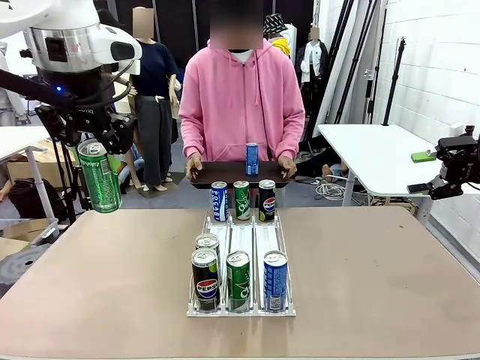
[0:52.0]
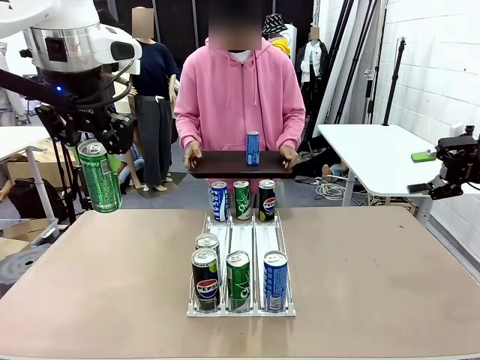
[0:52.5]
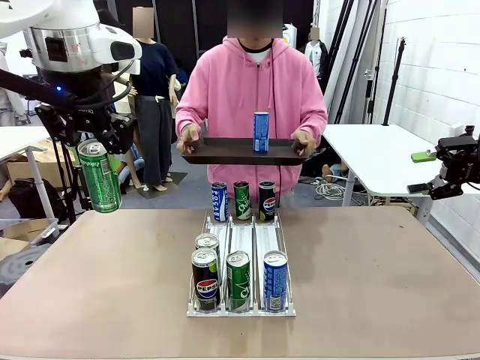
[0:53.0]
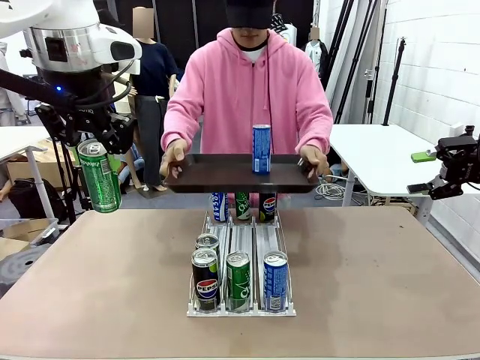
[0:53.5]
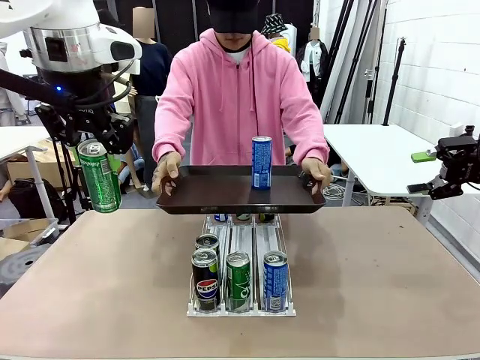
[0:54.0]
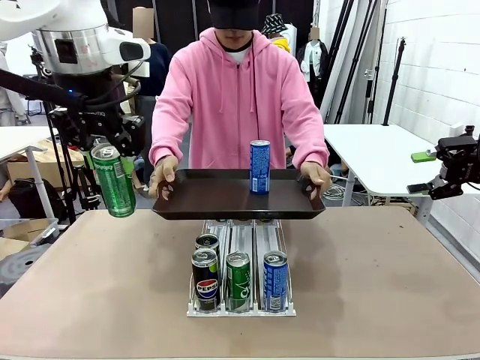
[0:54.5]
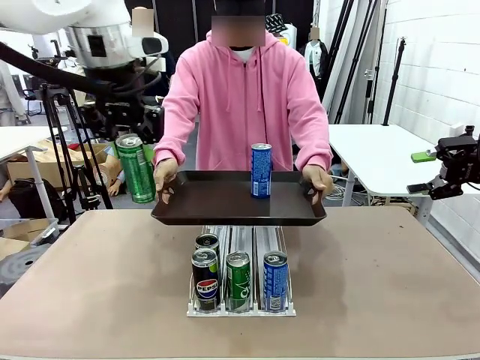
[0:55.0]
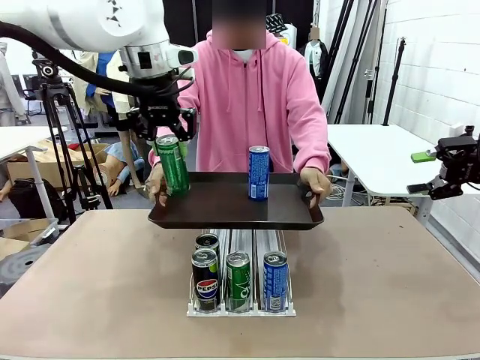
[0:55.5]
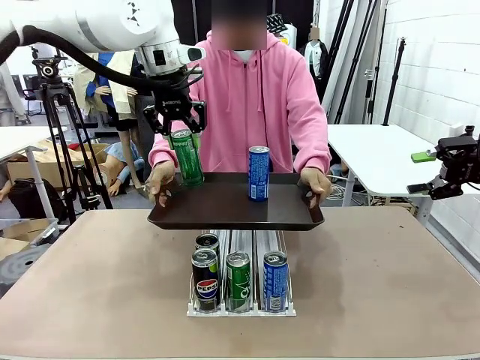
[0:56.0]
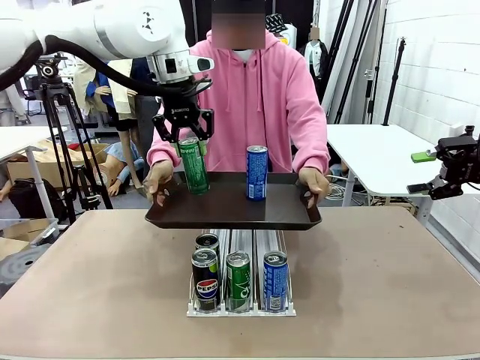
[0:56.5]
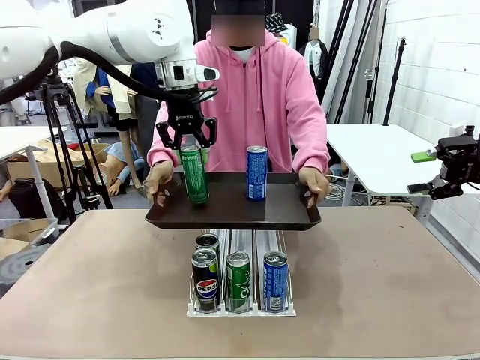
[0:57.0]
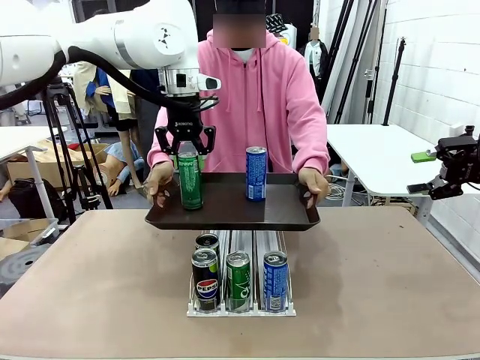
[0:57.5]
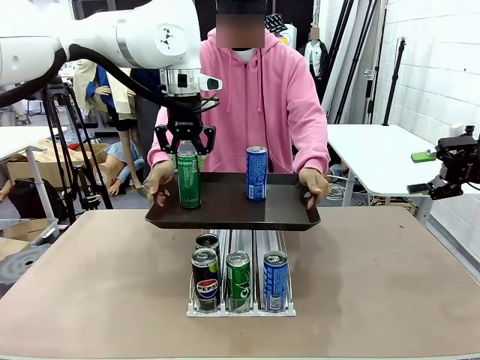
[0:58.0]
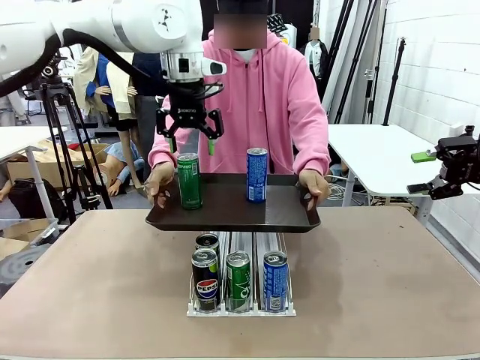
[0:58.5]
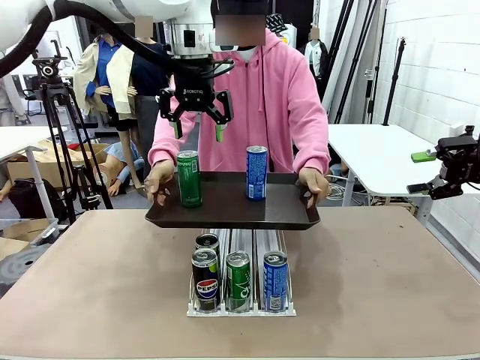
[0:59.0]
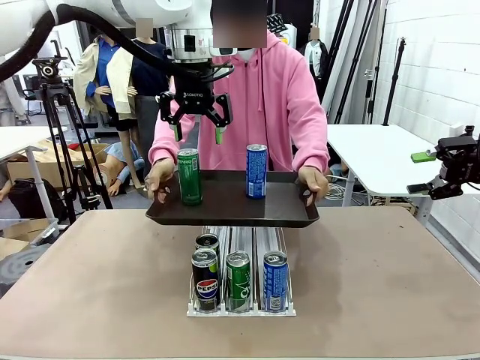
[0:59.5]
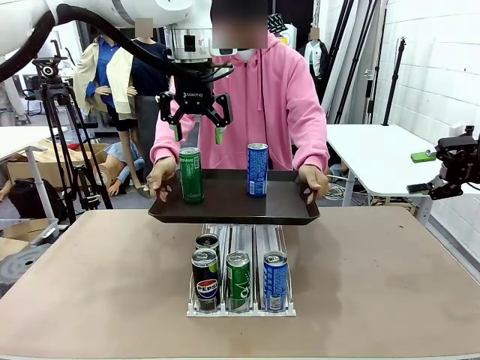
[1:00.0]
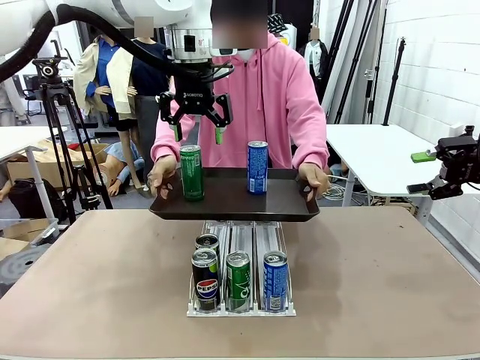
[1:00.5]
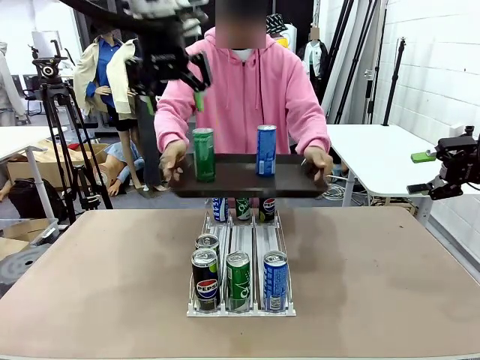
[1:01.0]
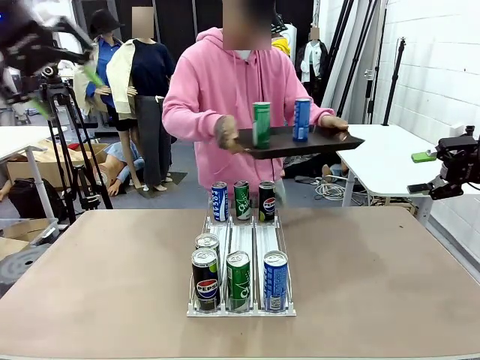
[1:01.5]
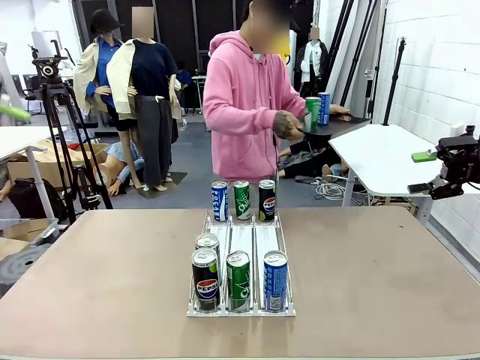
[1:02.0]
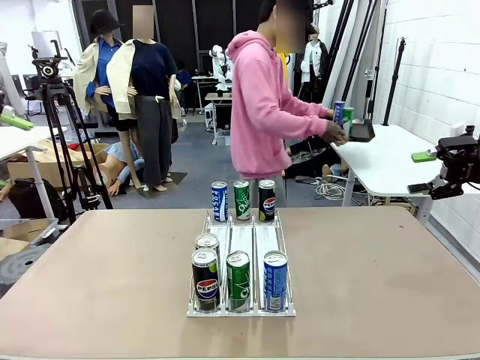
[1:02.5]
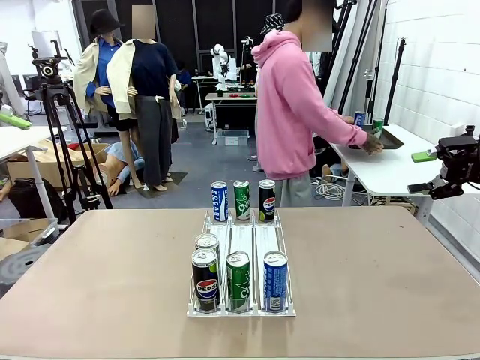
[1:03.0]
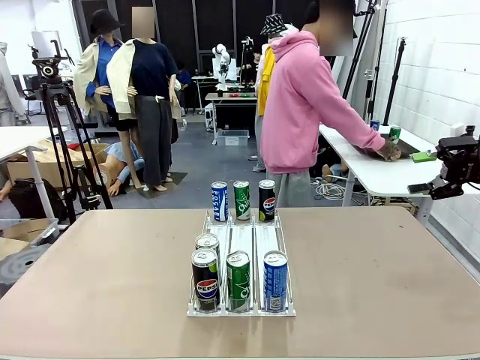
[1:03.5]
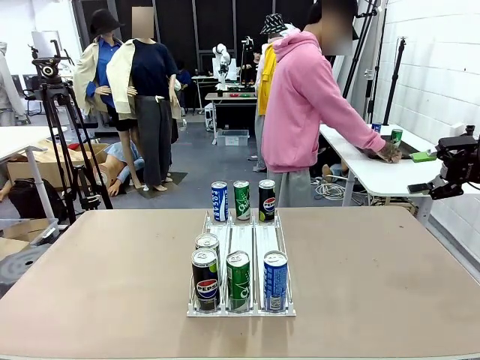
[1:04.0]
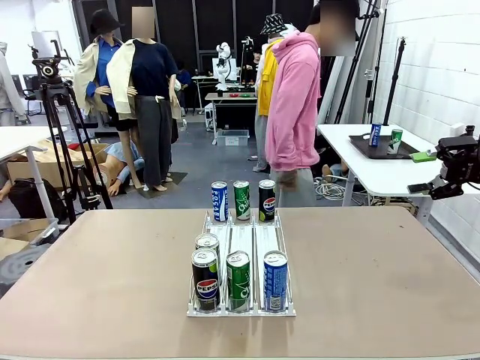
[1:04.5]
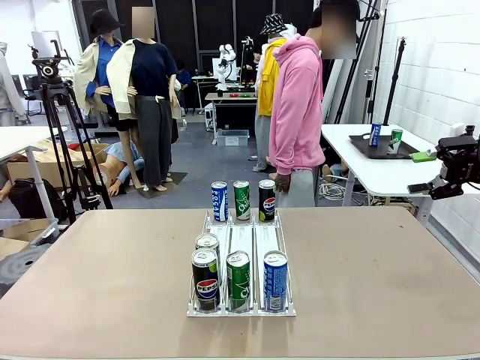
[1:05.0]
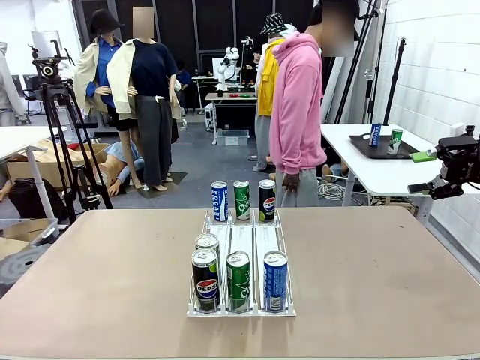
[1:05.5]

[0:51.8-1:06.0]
Task: Retrieve and hand over the desired beverage to the person.
Robot: Place the picked can on the Handle tray extended by the person.
Person: Pull the tray back and place it at the center of the human table.

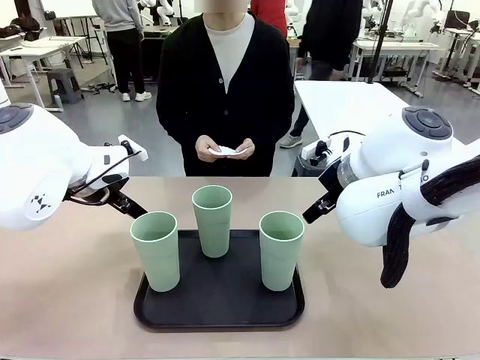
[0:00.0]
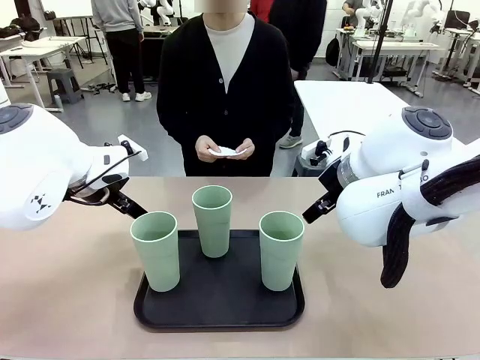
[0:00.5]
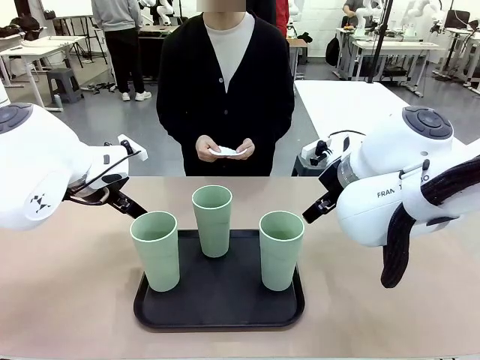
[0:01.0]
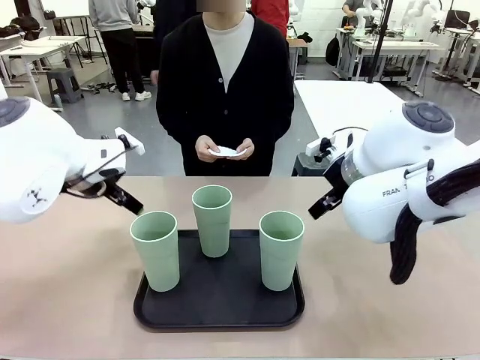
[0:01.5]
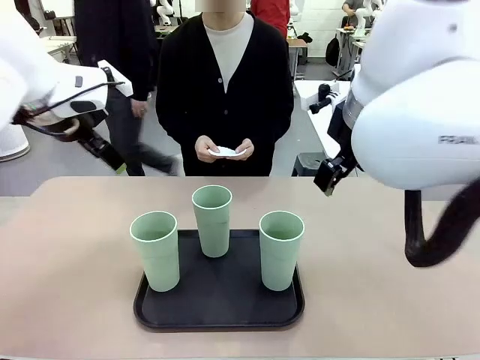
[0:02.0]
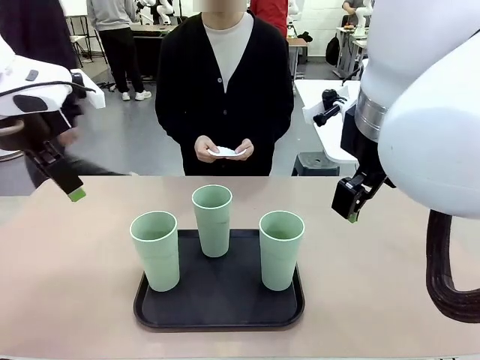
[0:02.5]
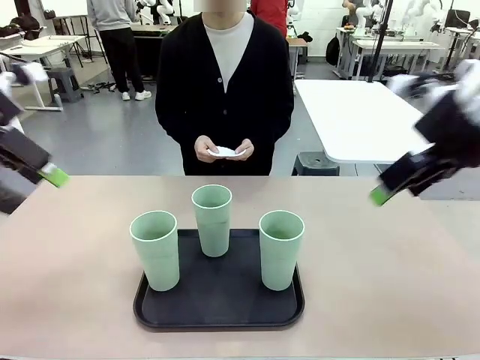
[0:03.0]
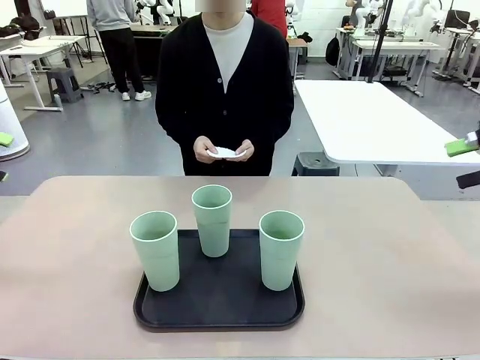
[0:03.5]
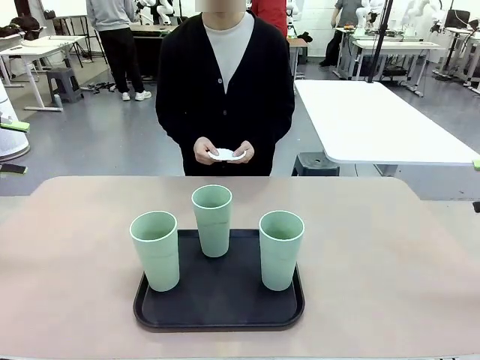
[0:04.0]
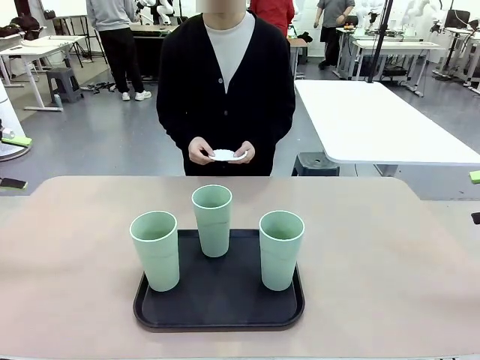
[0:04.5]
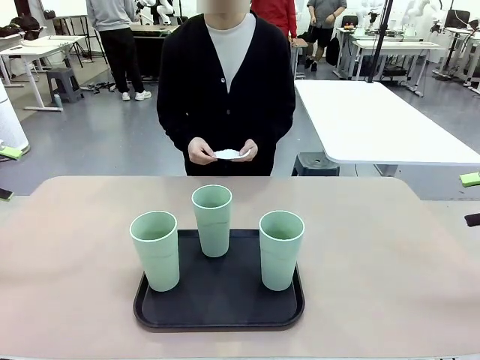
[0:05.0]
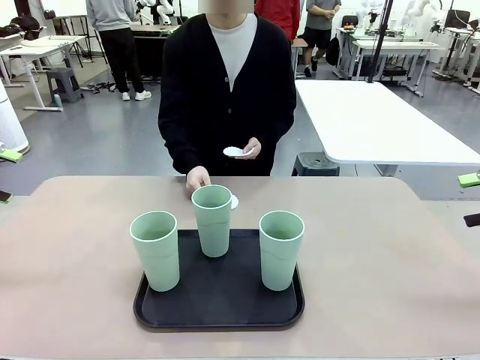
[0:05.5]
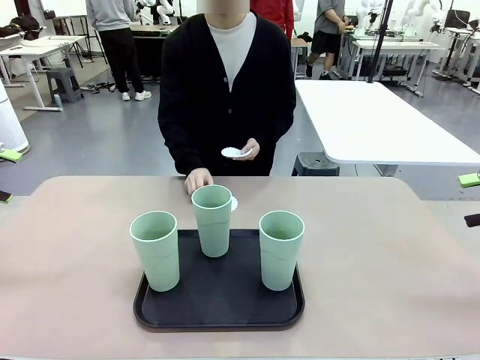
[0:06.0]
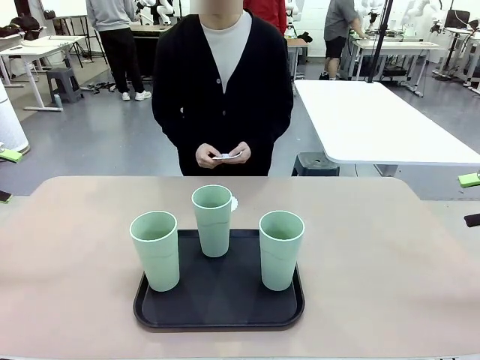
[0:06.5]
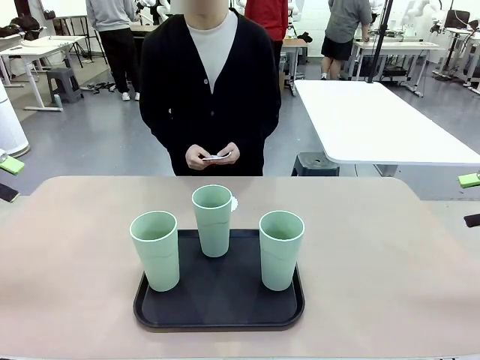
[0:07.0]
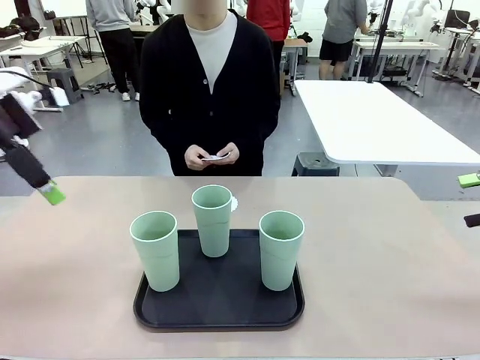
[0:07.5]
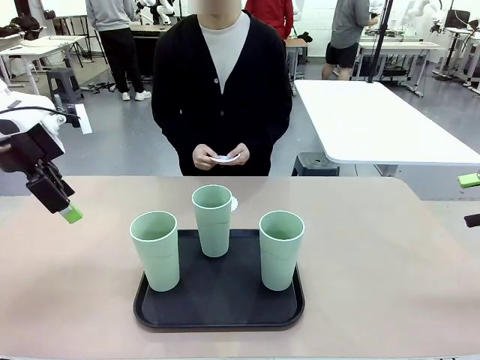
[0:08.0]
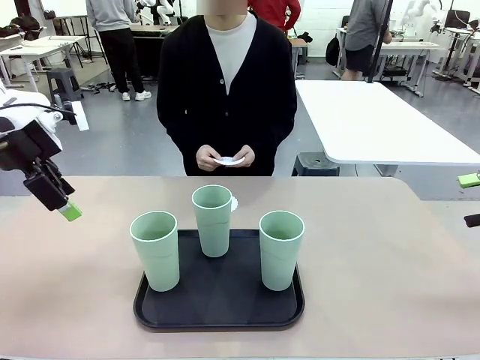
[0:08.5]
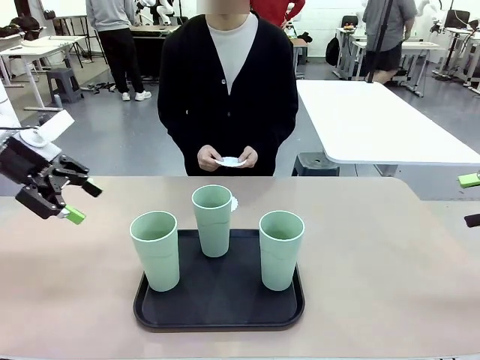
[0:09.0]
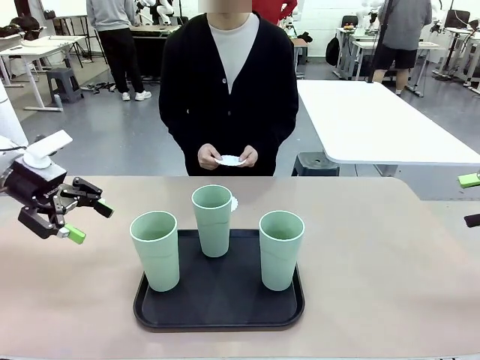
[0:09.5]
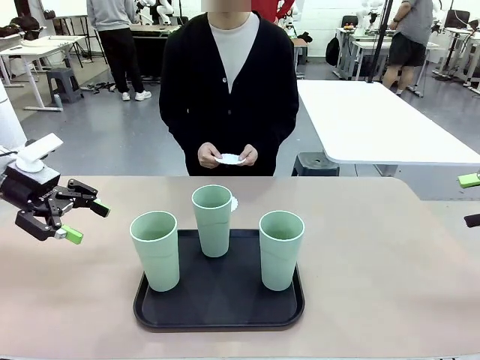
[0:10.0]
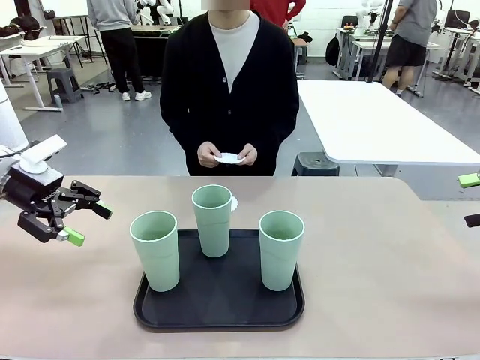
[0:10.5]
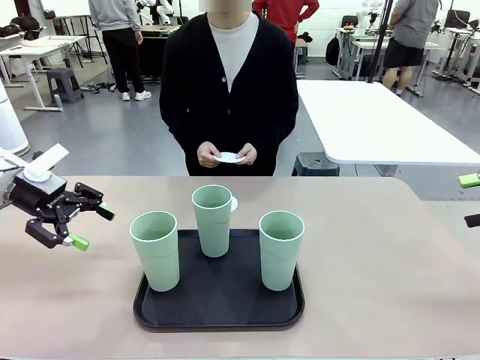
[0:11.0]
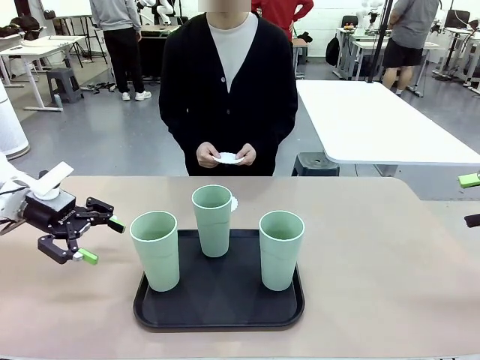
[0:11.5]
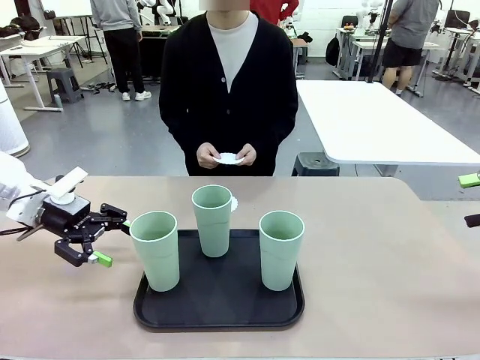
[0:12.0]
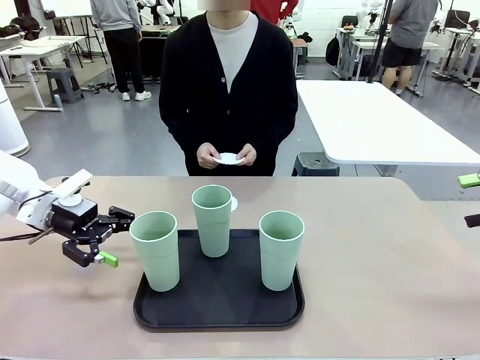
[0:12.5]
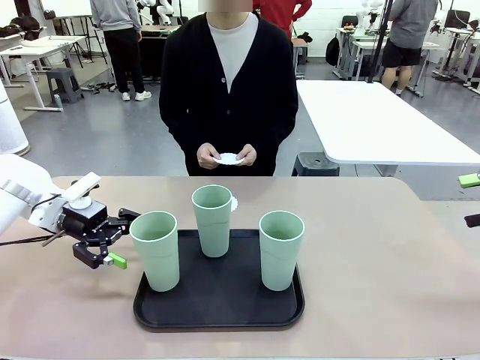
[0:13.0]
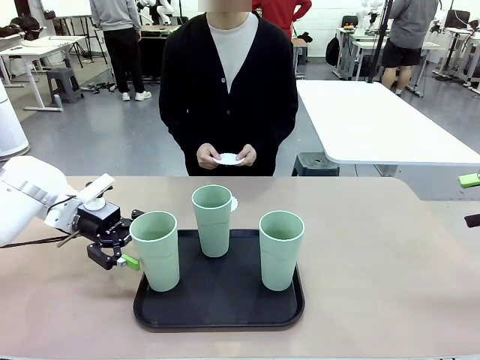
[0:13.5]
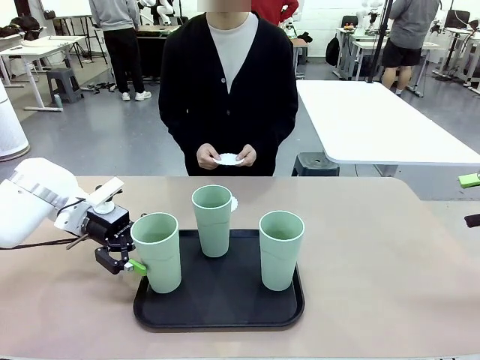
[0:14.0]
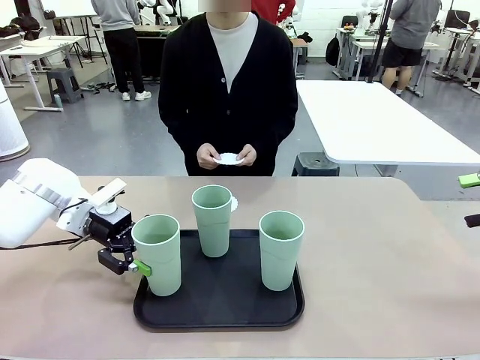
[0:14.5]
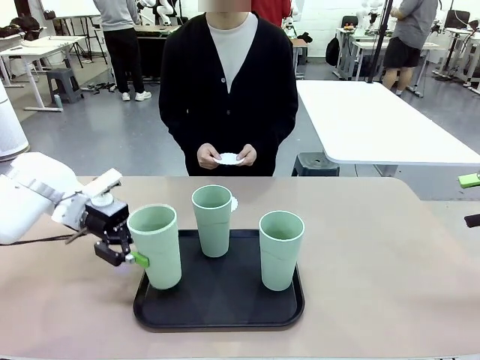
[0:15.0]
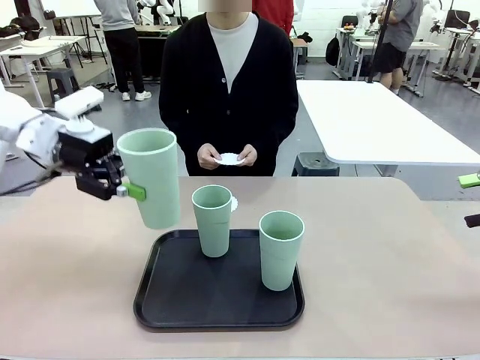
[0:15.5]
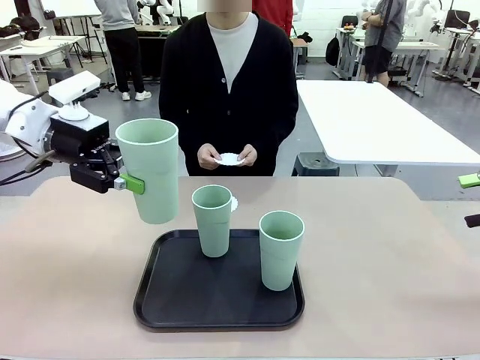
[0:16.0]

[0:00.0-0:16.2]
Task: Place coasters on the table and set cups on them.
Robot: Pick up one Reusable plastic cup and place it on a coaster set by the human.
Person: Place one coaster in any one of the three lower areas of the robot table (left, center, or right).
